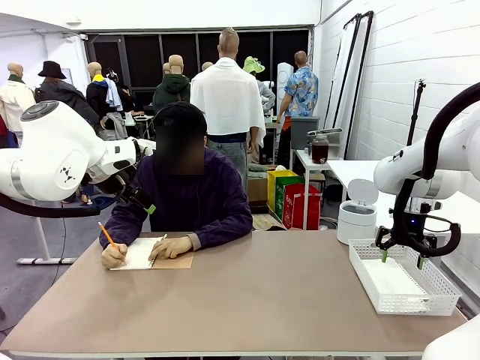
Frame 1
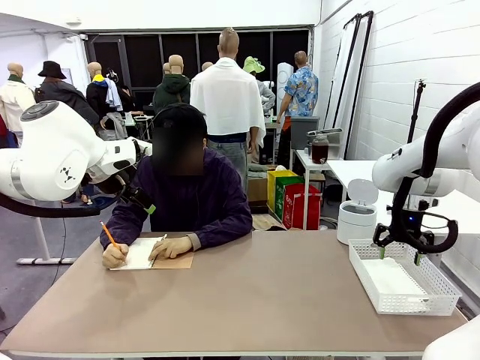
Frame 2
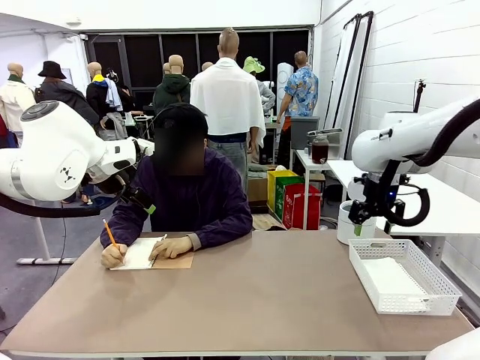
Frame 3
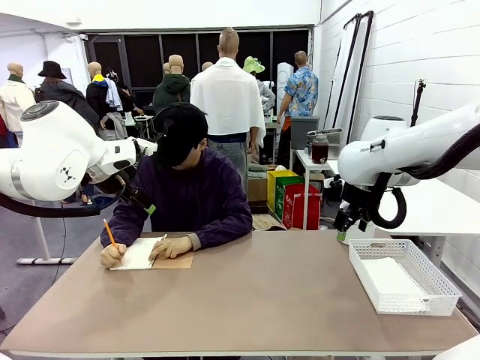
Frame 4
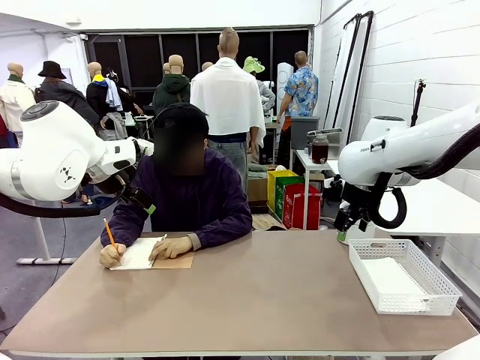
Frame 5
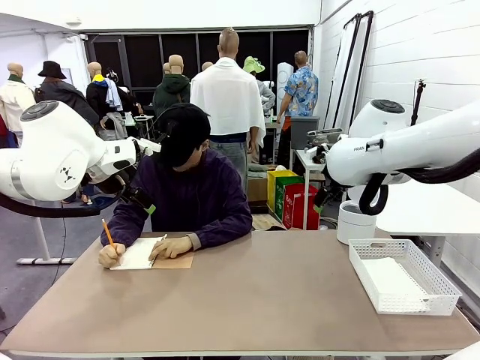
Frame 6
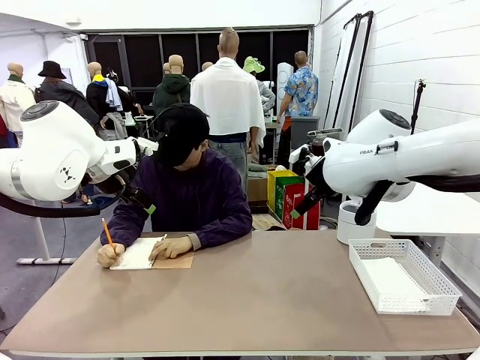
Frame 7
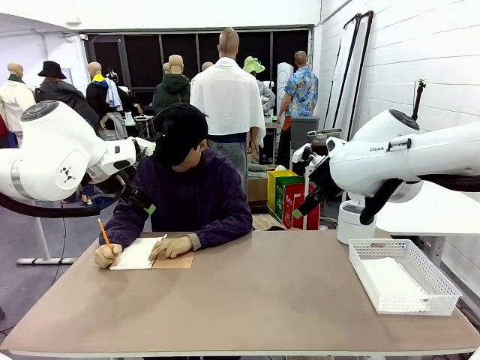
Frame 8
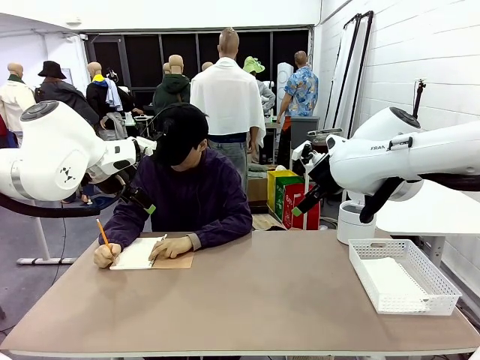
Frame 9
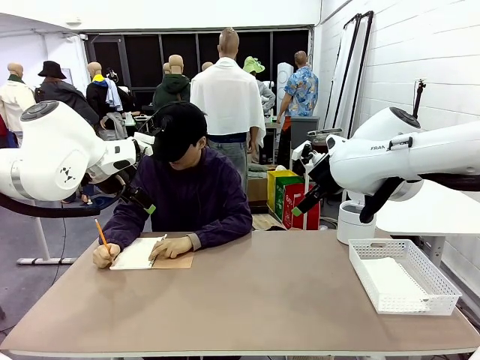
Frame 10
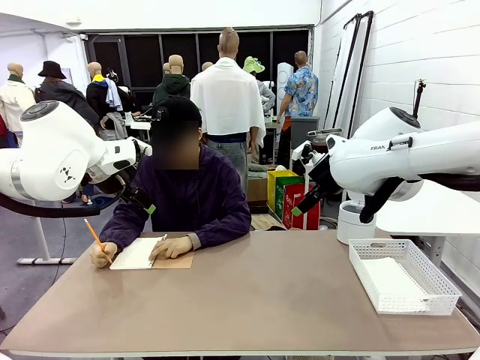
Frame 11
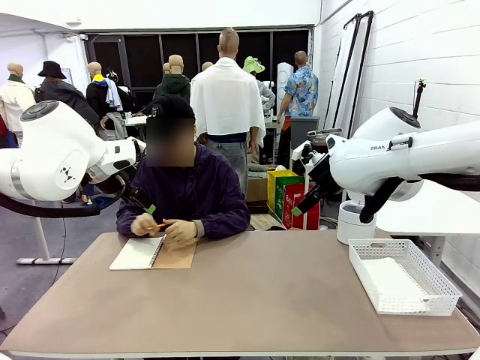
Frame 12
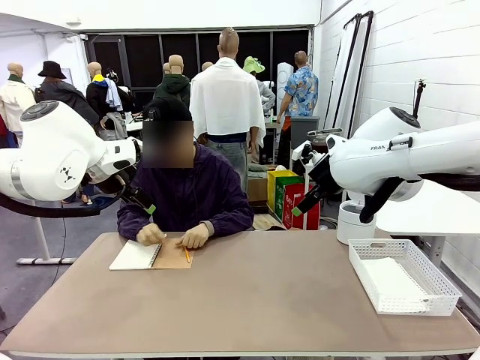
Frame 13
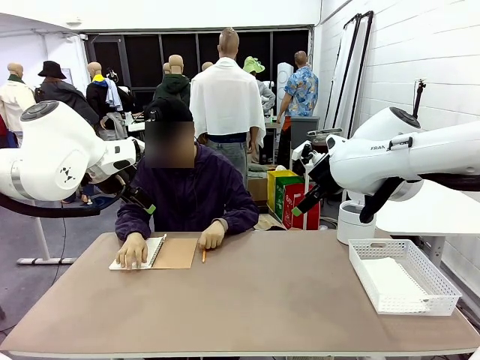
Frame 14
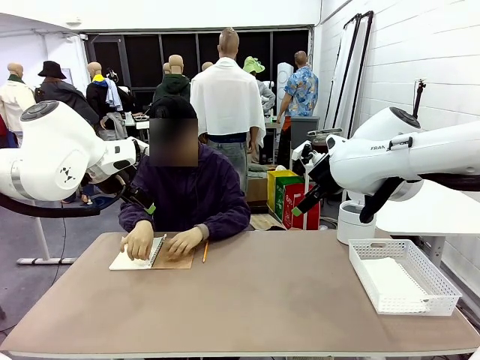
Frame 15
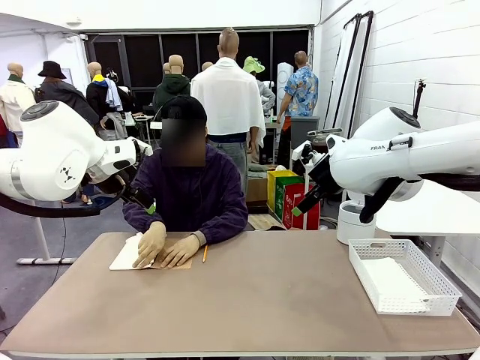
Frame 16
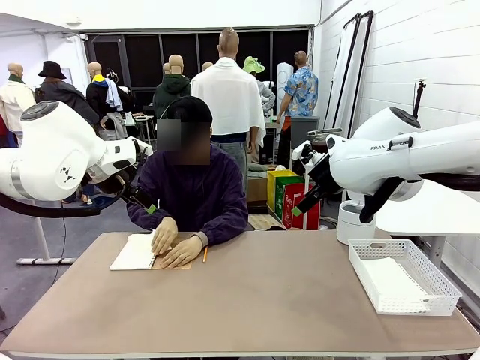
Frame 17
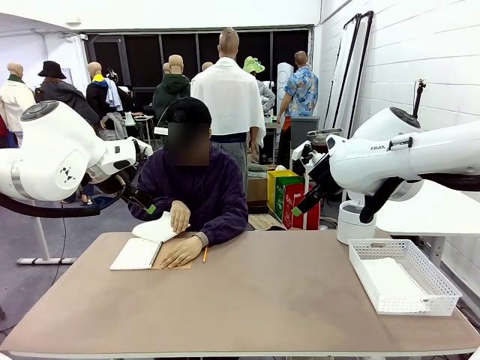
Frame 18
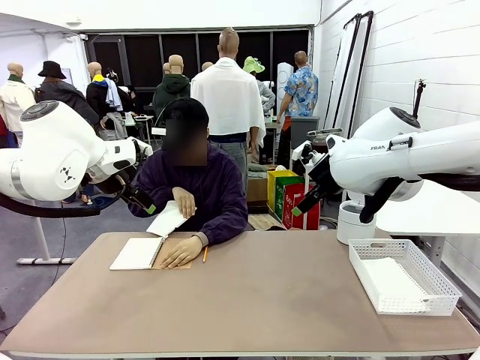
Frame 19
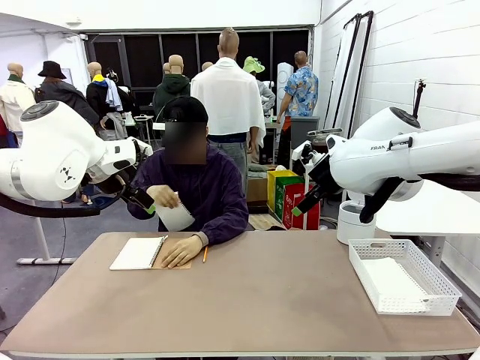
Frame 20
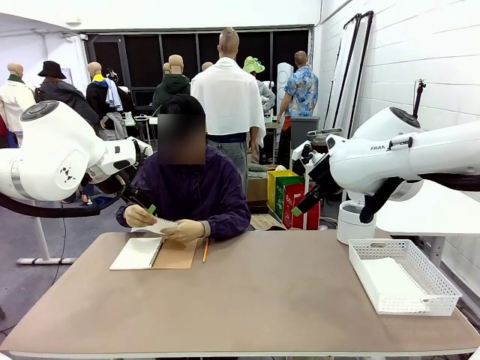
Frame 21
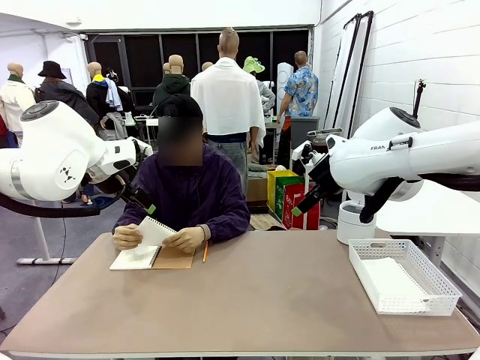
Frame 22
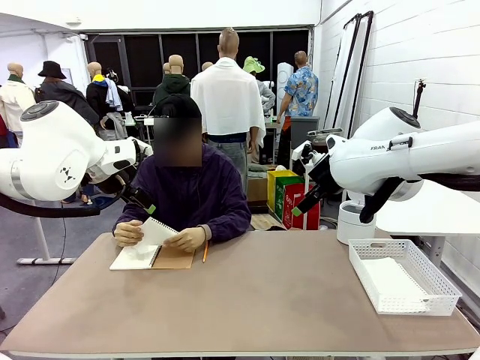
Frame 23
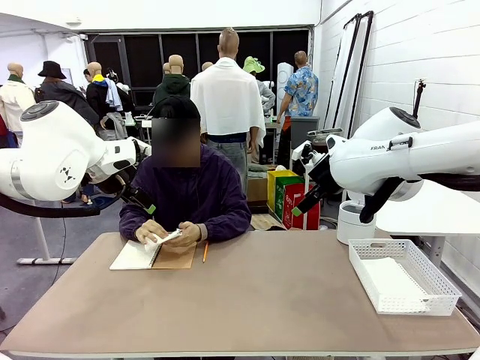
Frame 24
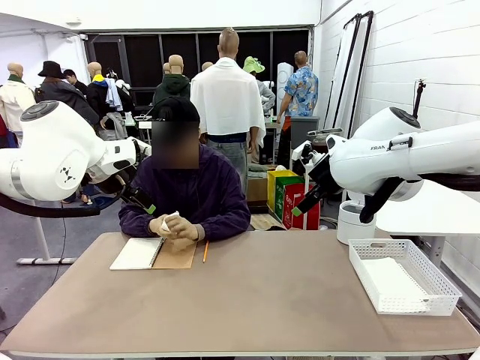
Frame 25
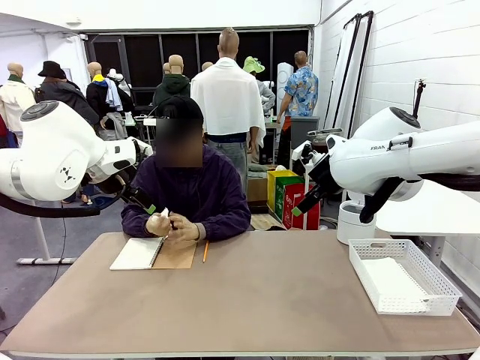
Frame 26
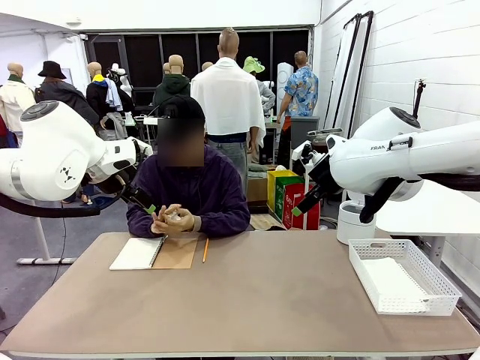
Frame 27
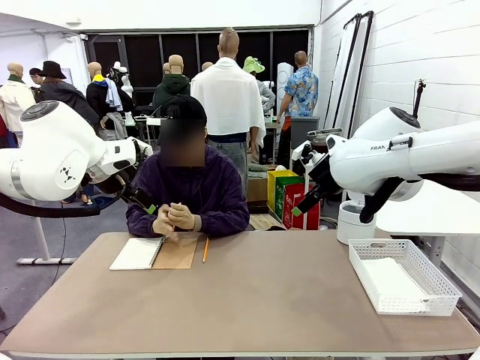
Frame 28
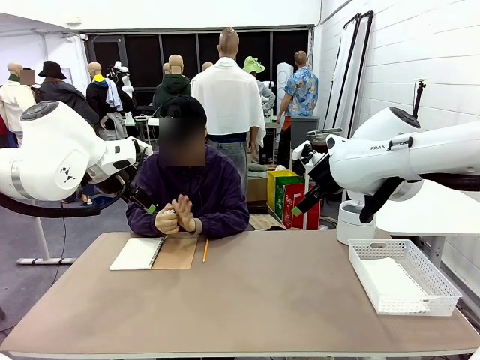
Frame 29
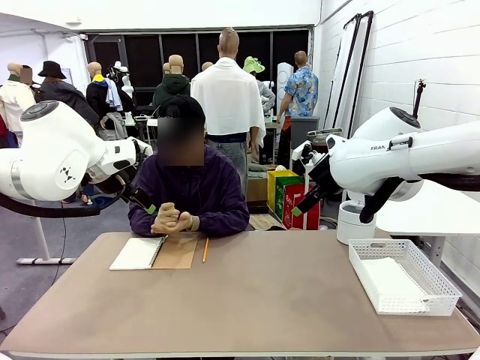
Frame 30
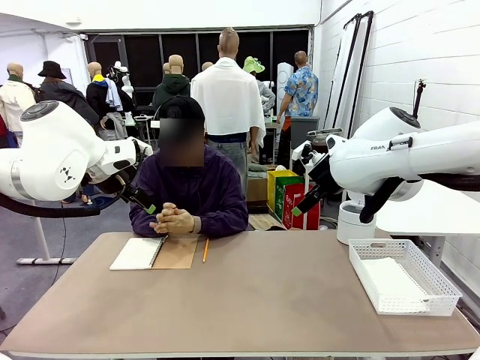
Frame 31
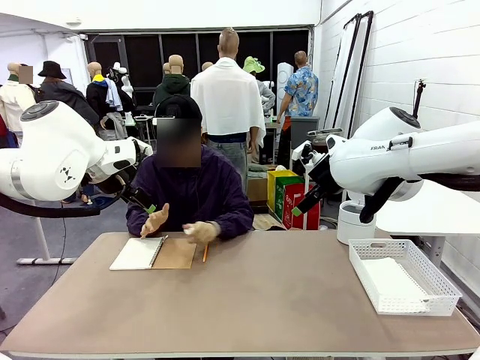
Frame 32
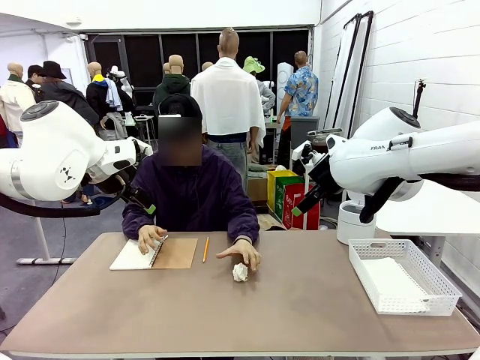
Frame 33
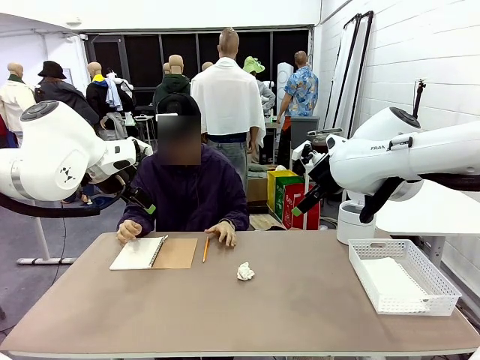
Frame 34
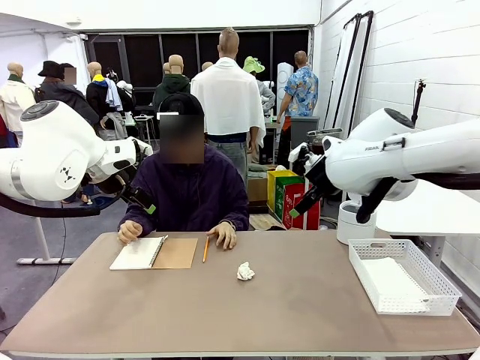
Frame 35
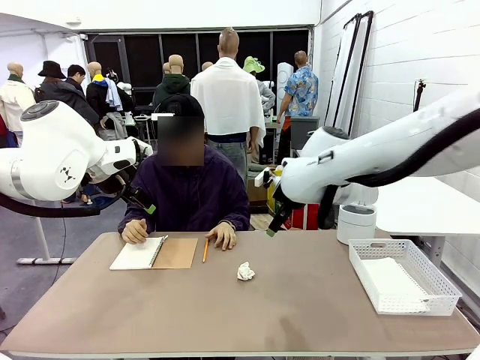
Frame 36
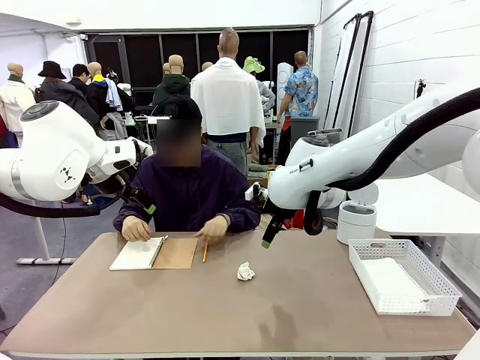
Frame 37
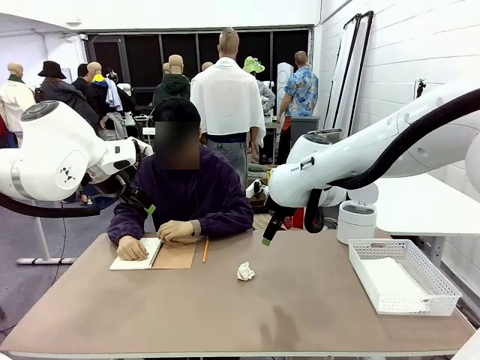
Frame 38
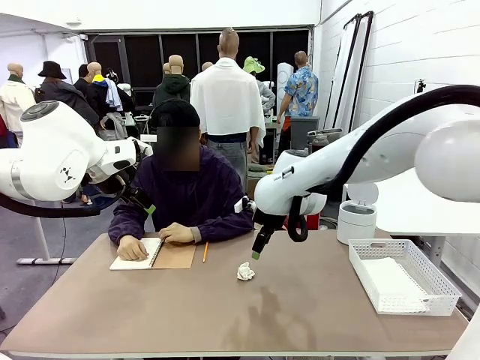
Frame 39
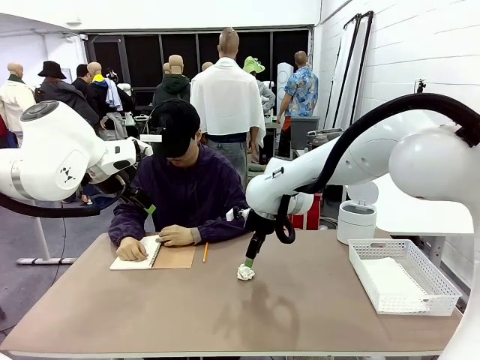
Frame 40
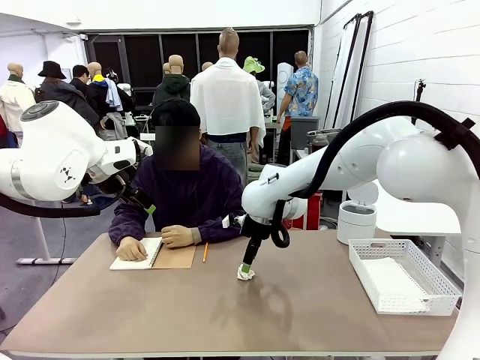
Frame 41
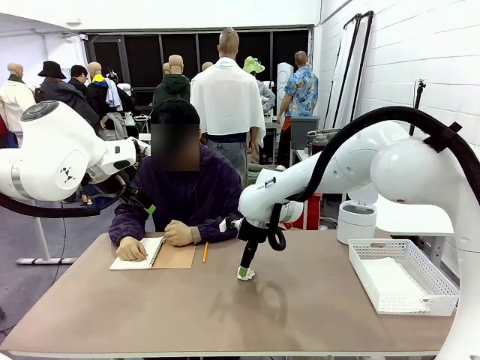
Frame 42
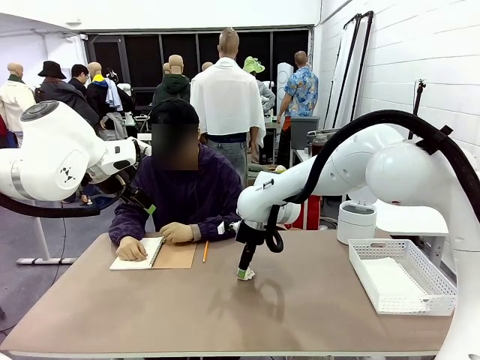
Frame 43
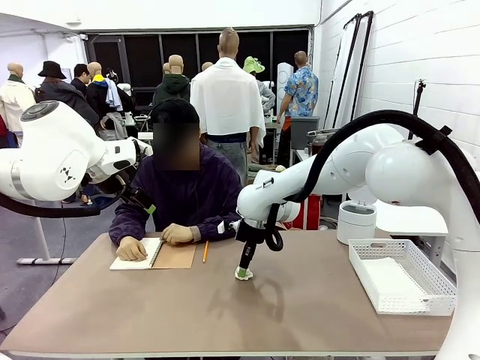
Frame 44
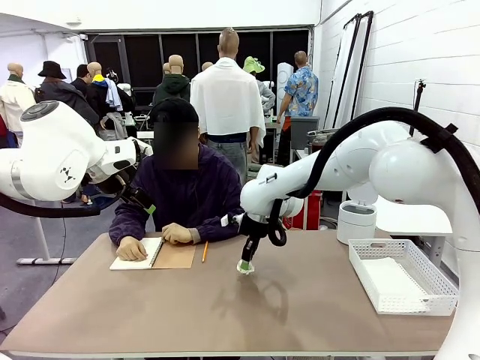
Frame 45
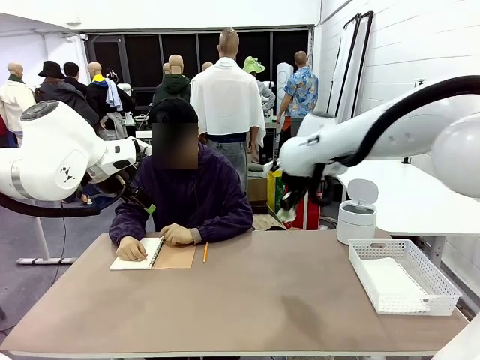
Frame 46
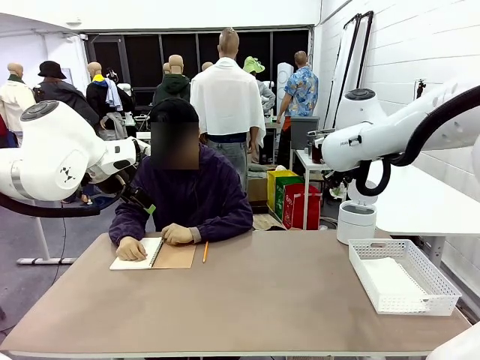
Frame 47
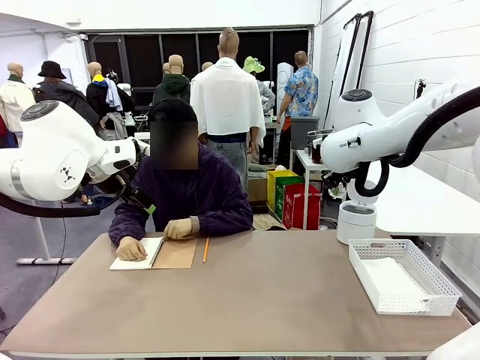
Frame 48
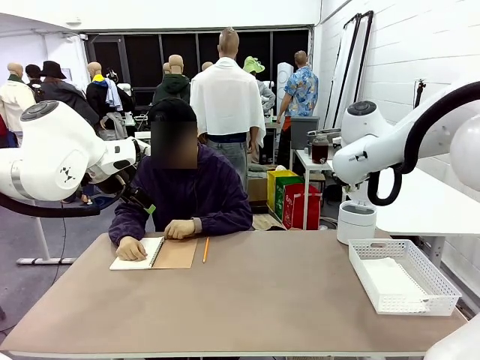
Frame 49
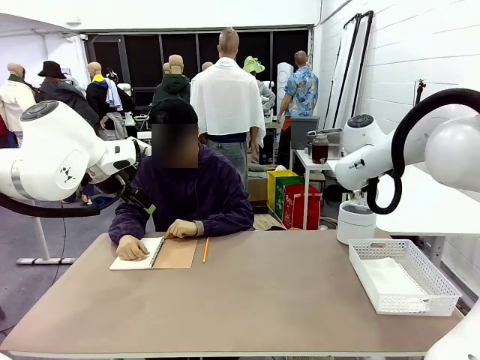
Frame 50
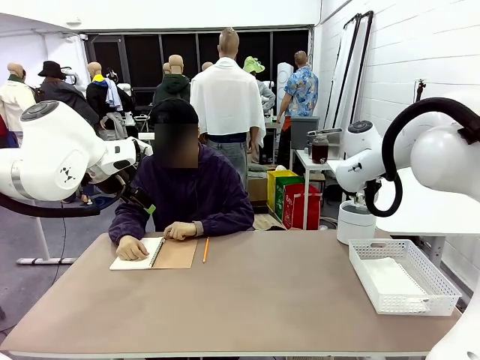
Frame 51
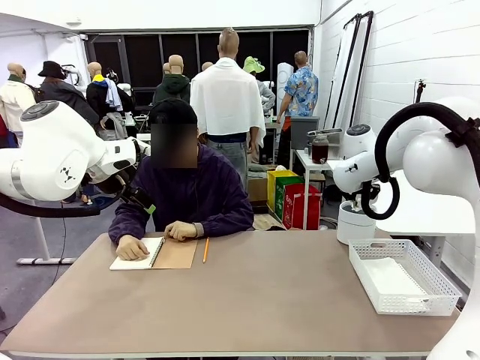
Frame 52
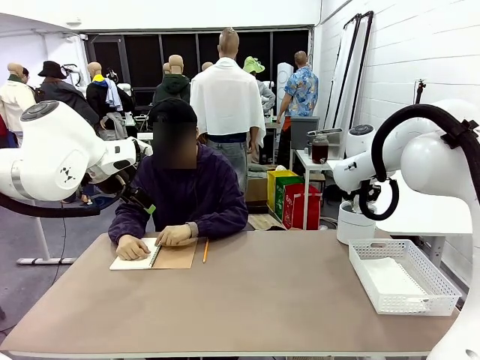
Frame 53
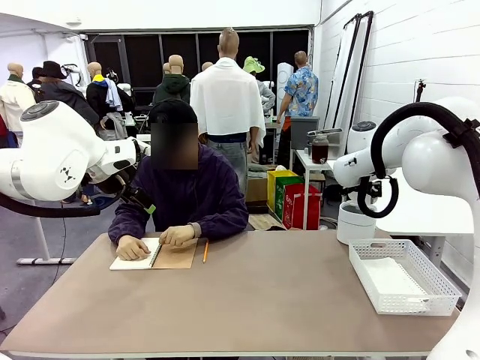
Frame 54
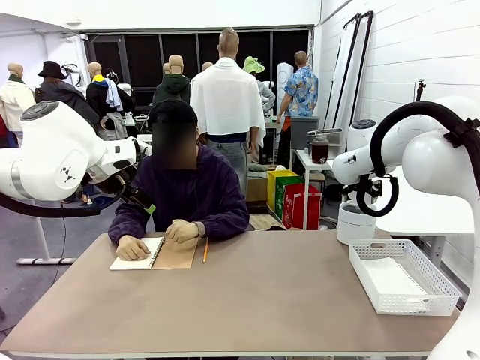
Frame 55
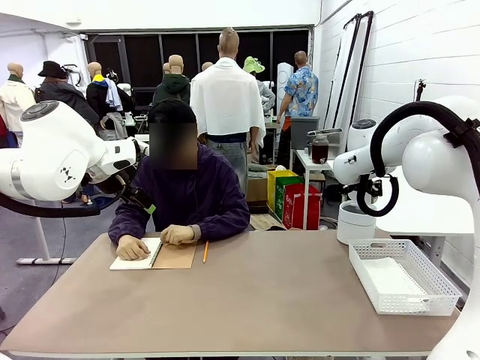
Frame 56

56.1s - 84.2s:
Task: Sort the paper based on its condition.
Robot: If a person hands you a paper, place it in the Organizing basket , and if it's crumpled, put it in the Trash can.
Person: Tear out a page from the spiral notebook. Hand the torn page to the robot or crumple it and throw it to the center of the table.
